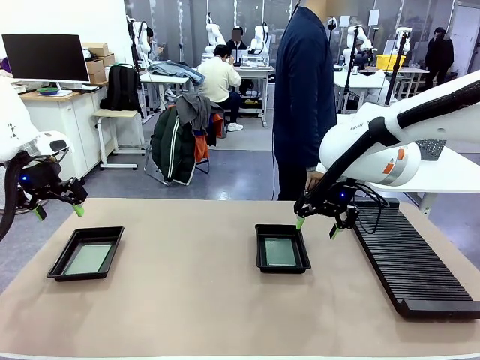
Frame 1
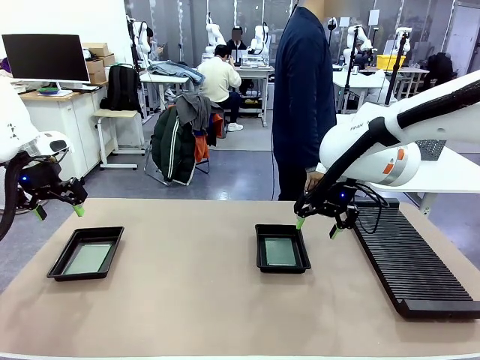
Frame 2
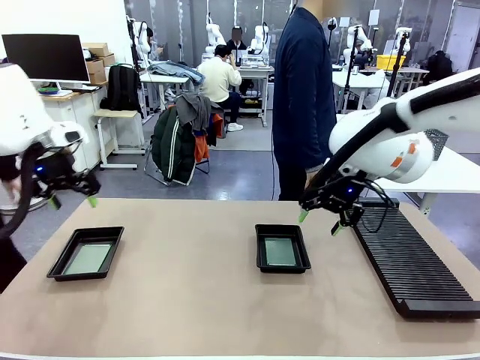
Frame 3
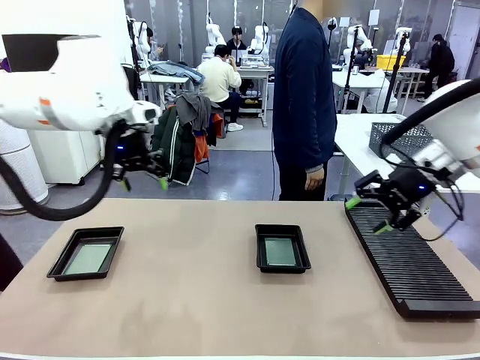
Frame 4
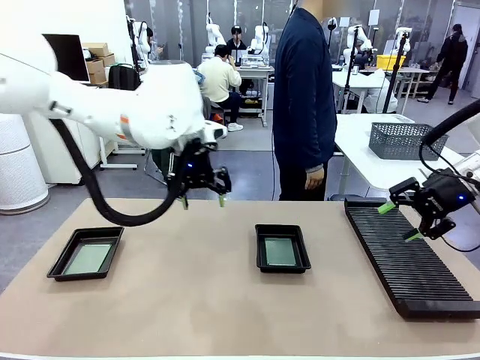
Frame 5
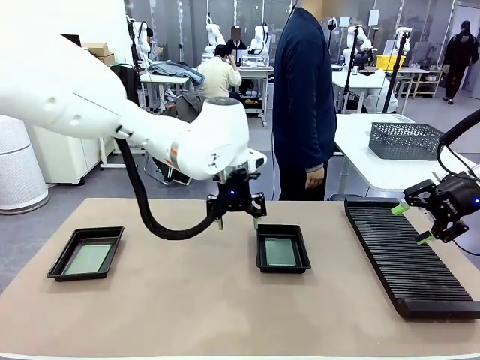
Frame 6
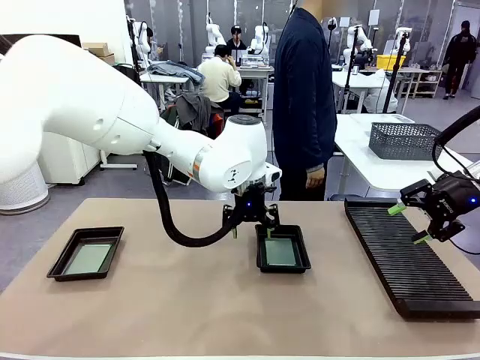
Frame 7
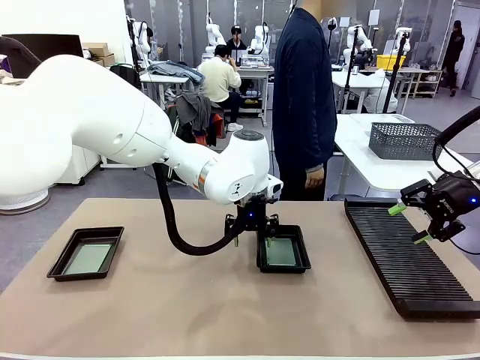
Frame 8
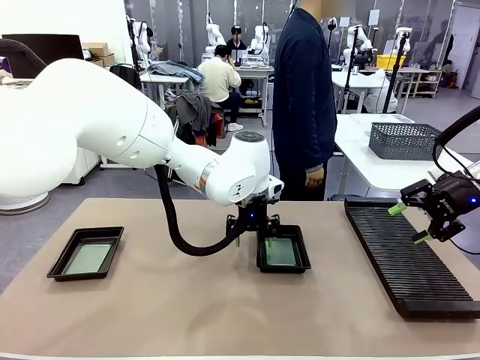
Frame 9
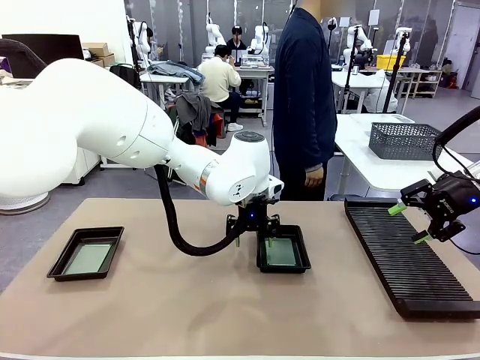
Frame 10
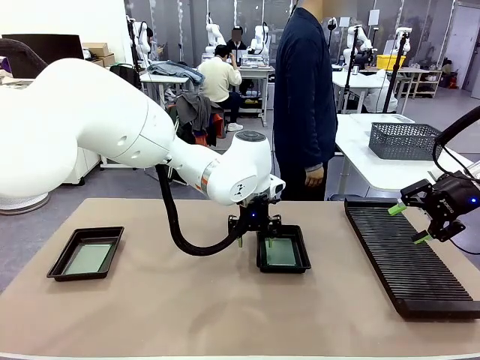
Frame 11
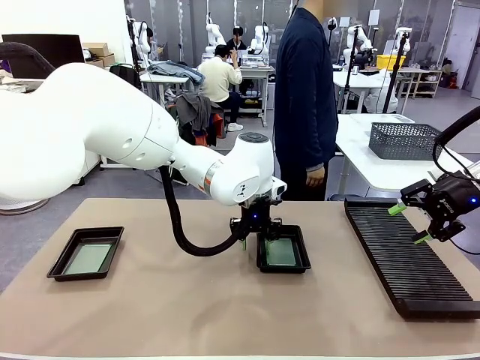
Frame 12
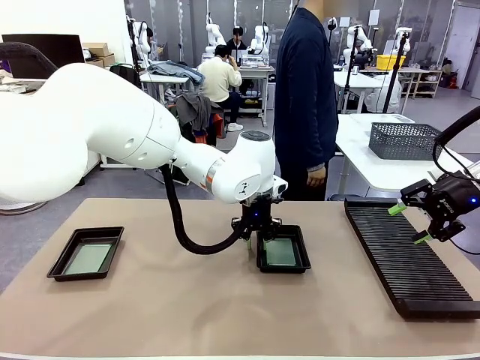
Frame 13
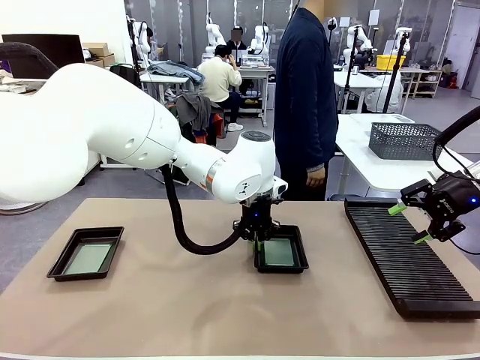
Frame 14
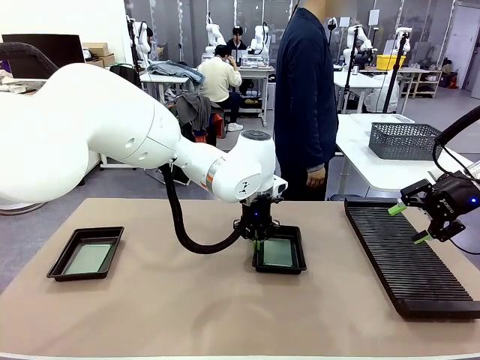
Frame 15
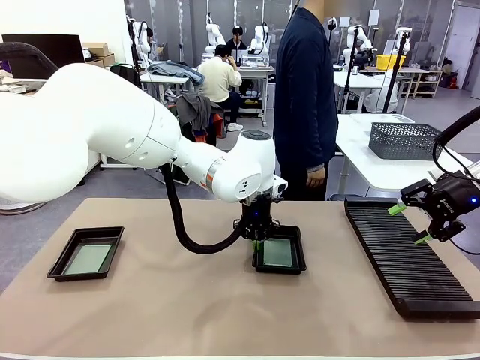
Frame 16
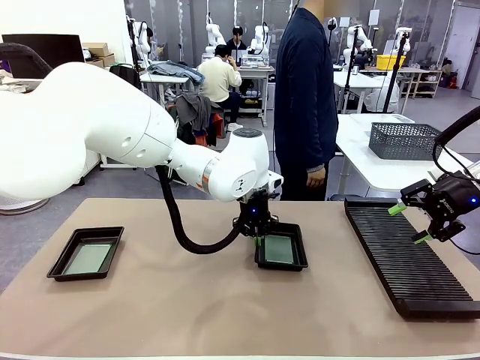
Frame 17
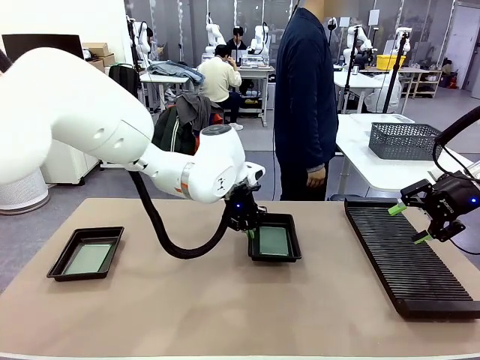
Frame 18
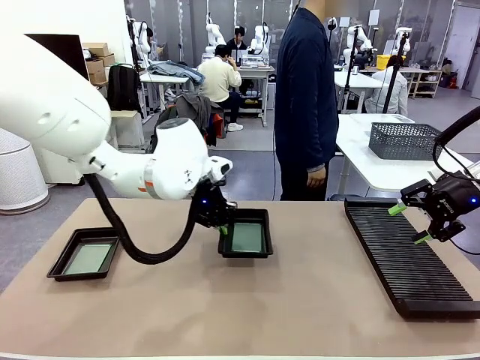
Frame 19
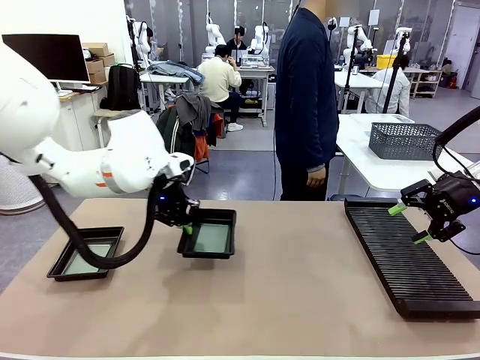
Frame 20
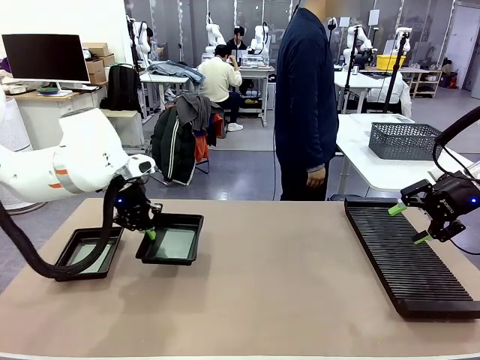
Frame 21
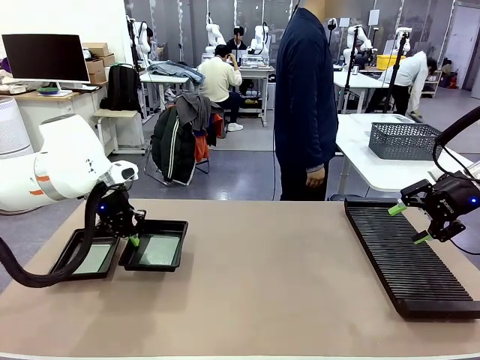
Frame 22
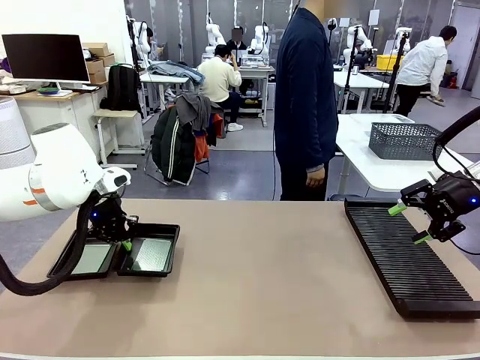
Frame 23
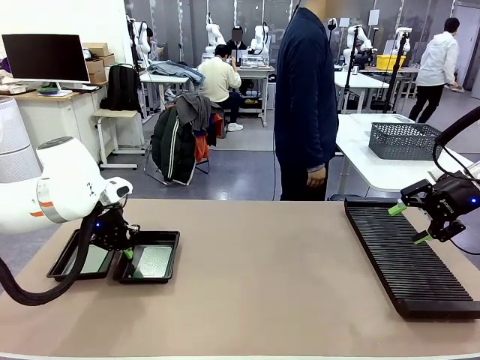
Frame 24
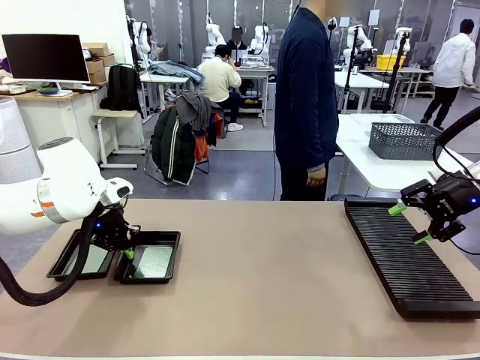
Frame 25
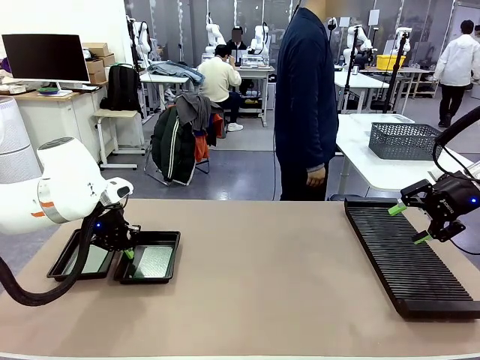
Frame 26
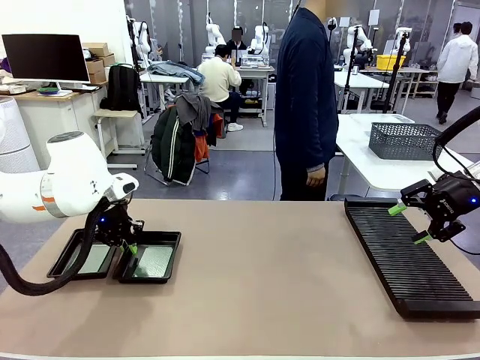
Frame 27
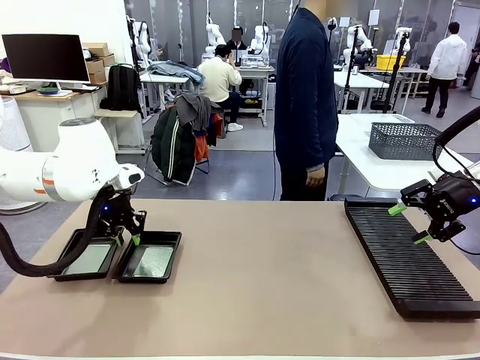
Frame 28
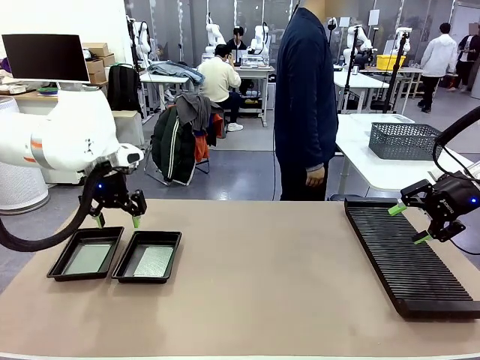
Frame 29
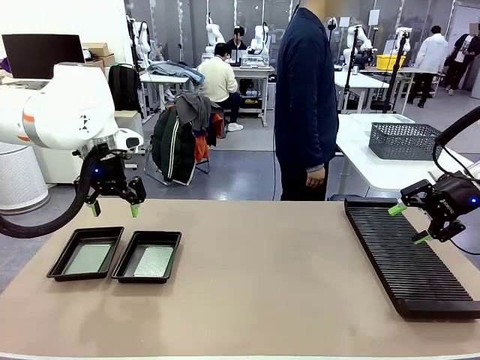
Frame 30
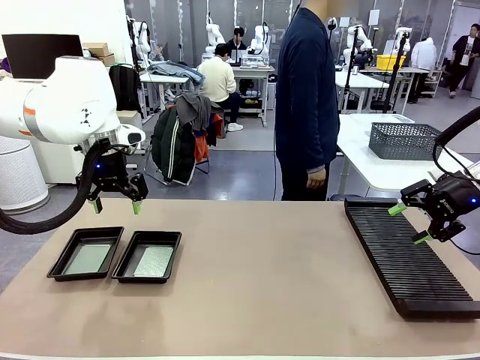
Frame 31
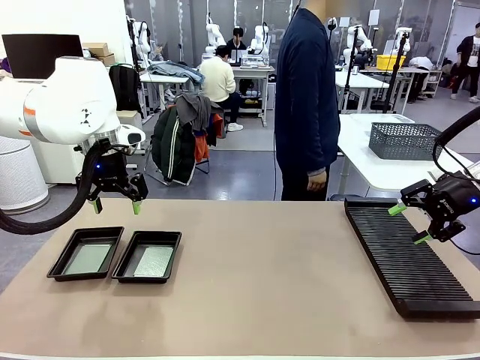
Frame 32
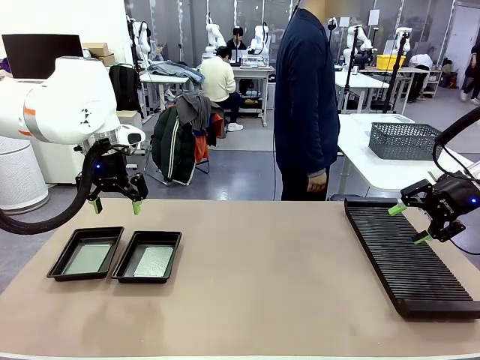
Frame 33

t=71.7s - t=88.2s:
Task: Inspect and transfer BCBs to ESD trays.
Robot: Pick up the ESD tray and place it on the left side of the table.
